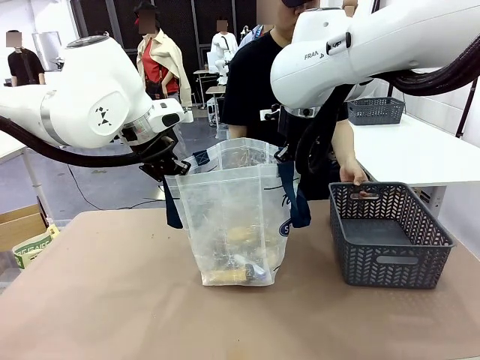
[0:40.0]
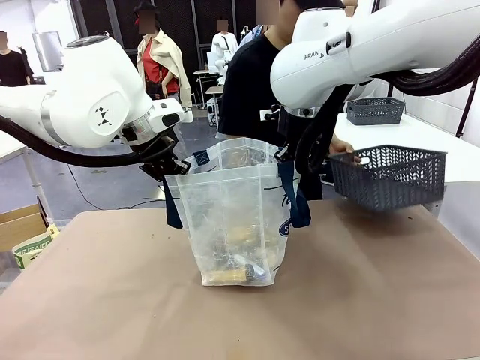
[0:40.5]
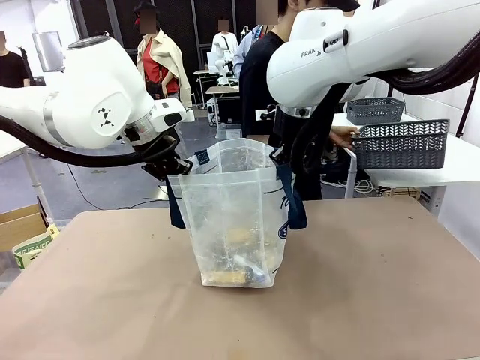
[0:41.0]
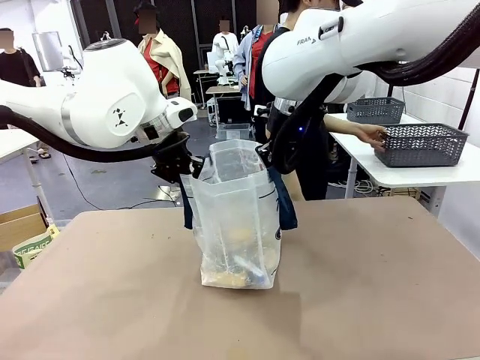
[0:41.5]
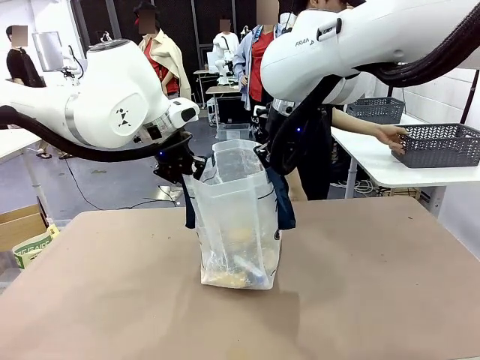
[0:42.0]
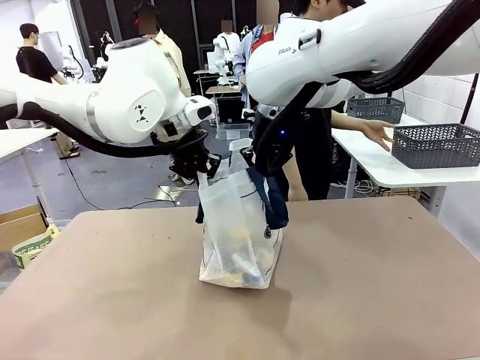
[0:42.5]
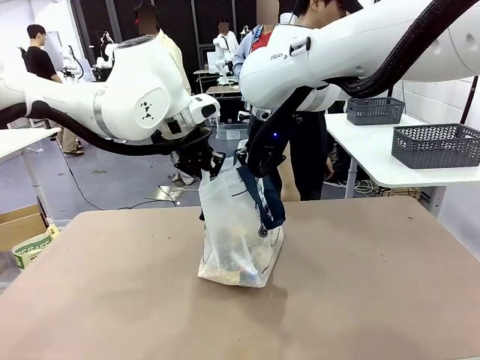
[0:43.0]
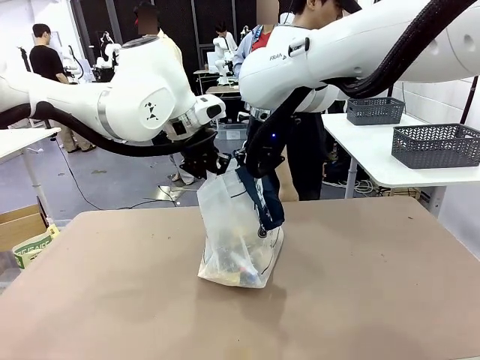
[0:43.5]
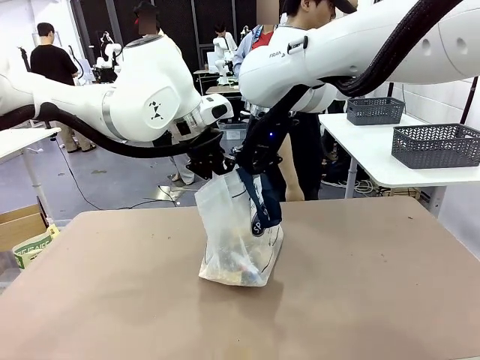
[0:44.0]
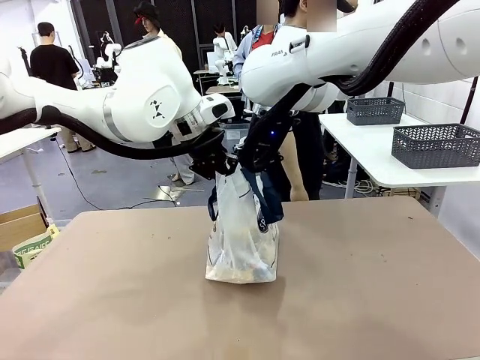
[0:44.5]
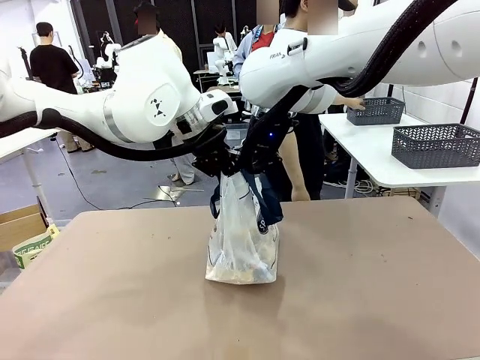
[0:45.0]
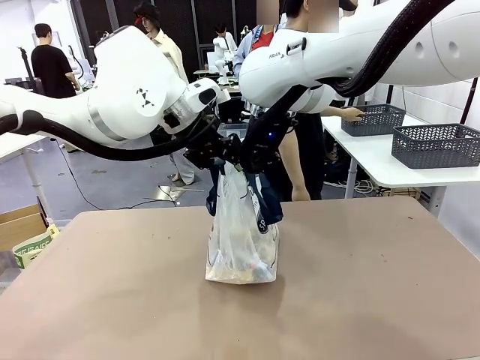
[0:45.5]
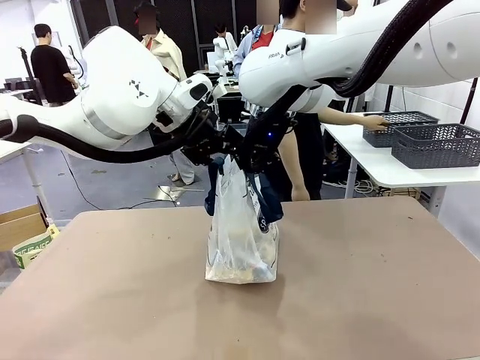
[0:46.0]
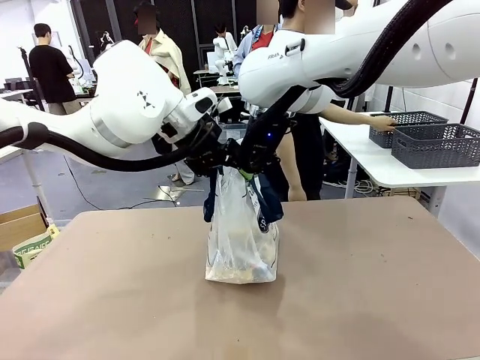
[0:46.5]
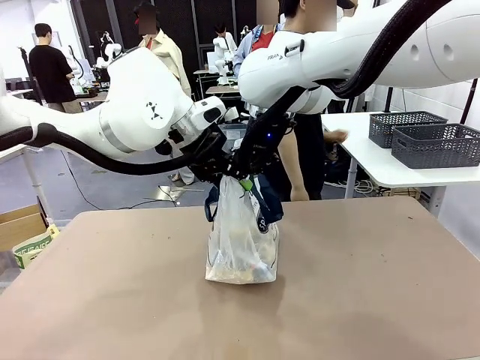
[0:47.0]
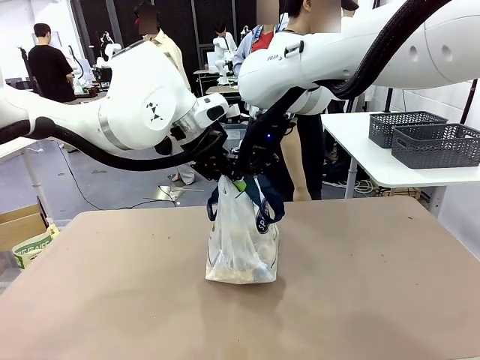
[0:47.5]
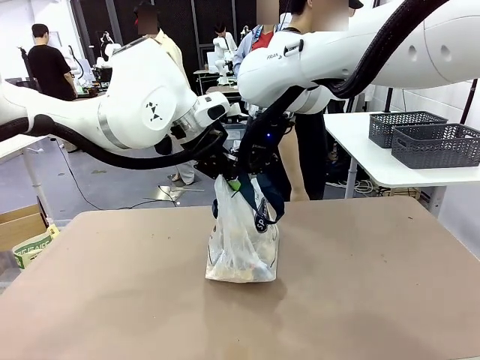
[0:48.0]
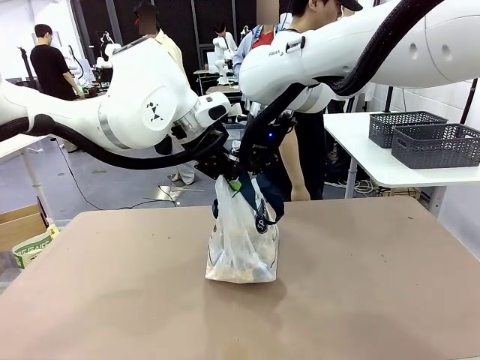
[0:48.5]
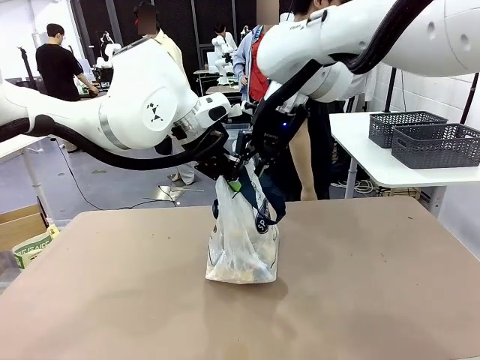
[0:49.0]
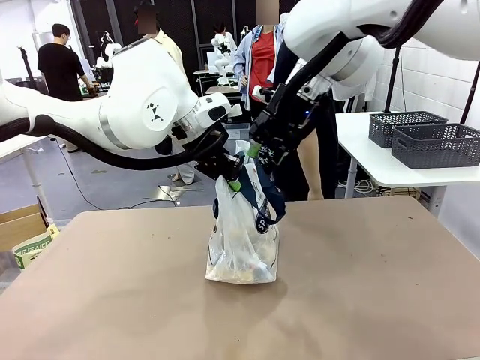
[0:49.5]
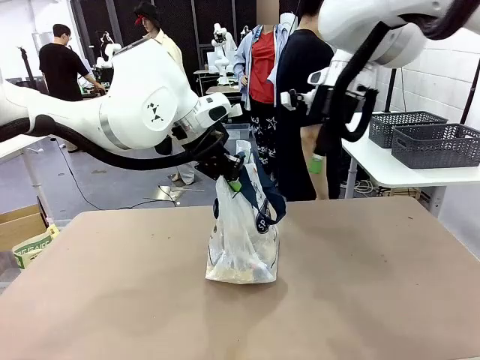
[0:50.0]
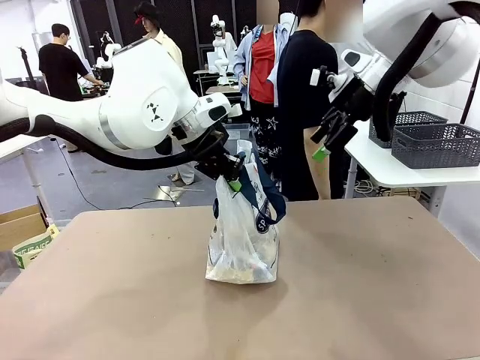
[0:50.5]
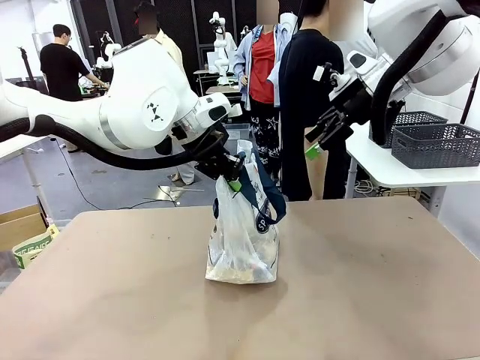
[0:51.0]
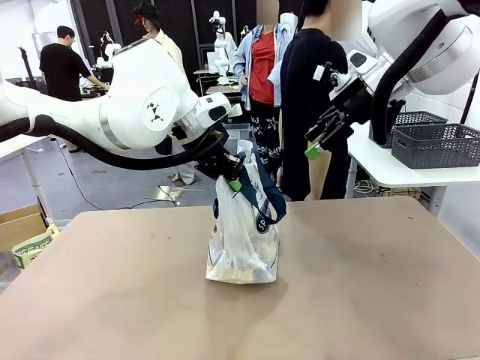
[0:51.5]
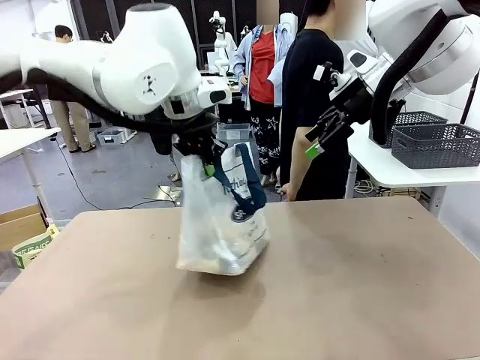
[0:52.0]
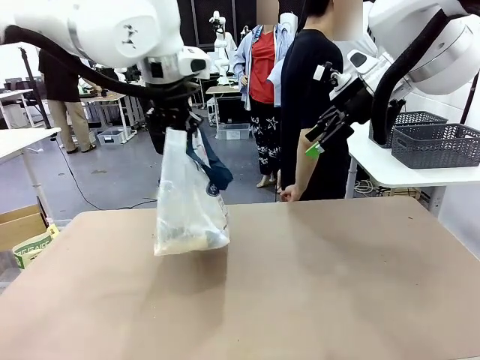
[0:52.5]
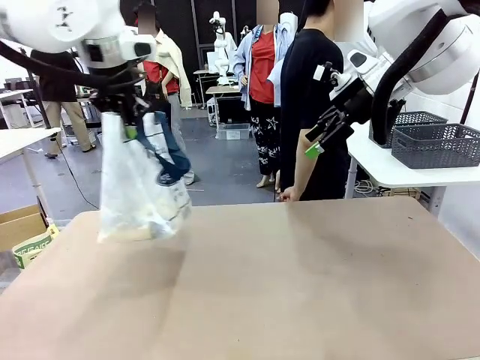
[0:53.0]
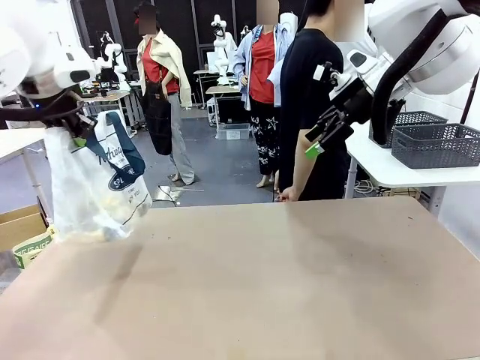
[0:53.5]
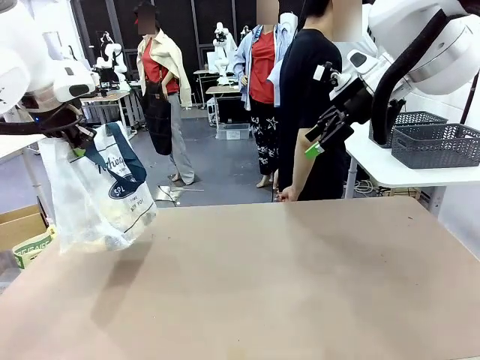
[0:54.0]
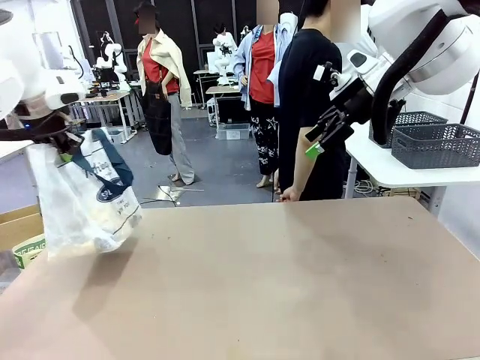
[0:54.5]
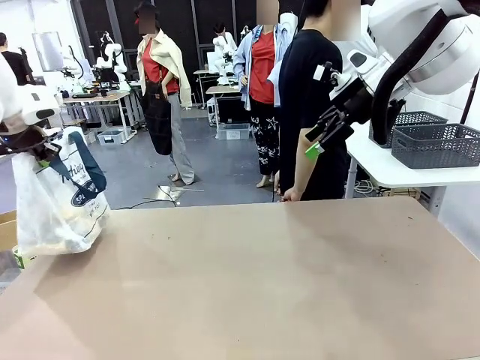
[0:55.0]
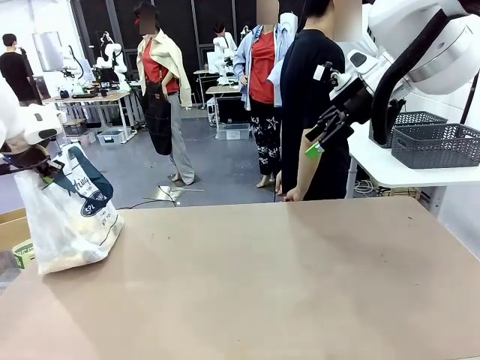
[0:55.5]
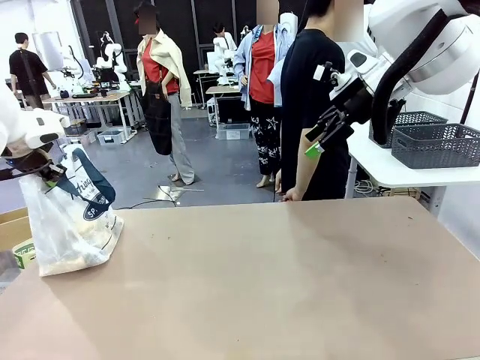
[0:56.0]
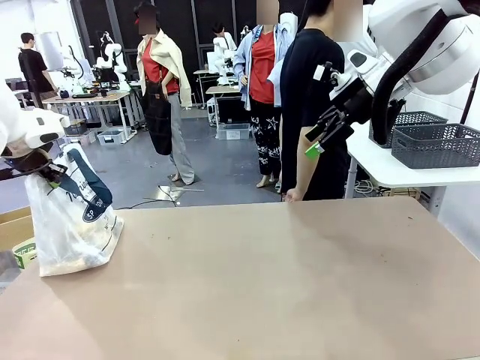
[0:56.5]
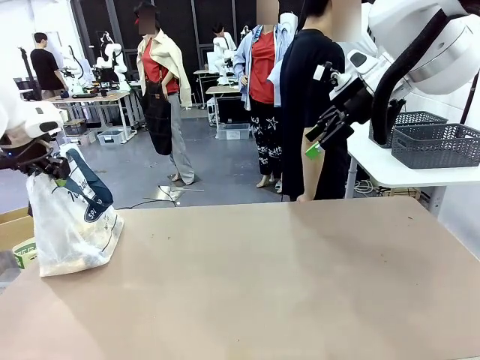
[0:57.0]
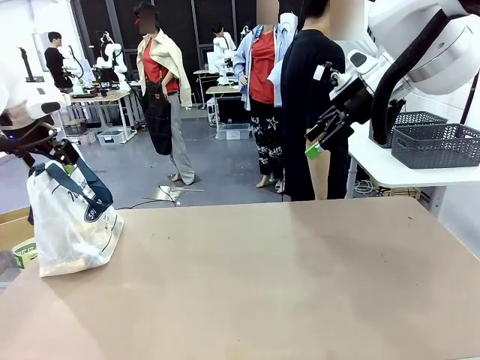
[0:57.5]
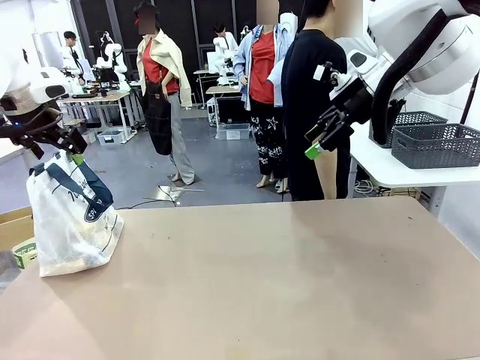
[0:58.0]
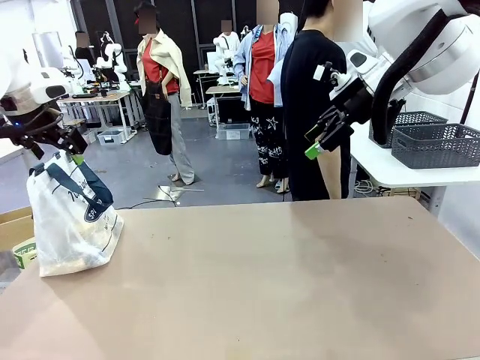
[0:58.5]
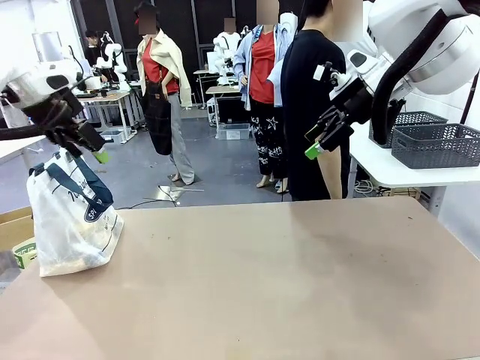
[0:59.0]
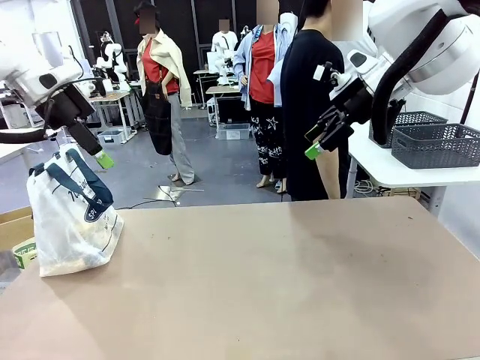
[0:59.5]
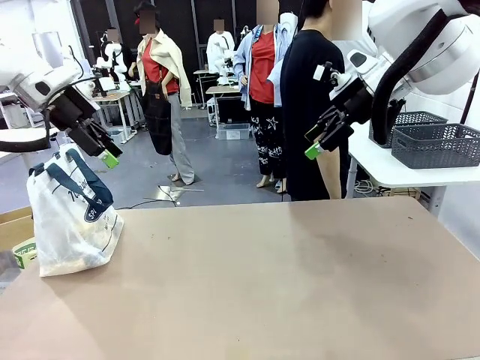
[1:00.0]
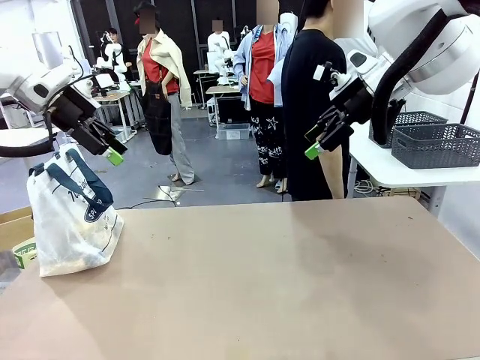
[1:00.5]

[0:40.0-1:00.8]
Task: Transfer purchased items from the store into the shopping bag.
Robot: Move the Reusable shopping bag to the right side of the table.
Person: Pick up the basket with the items out and place it on the right side of the human table. Move the basket on the left to the middle of the person's table.
